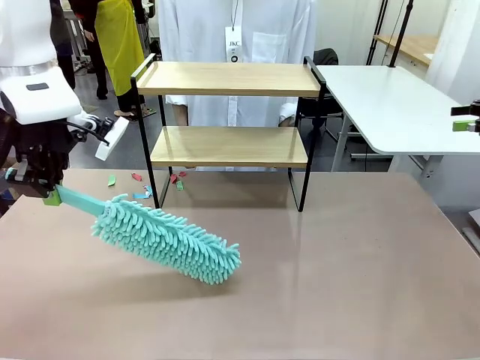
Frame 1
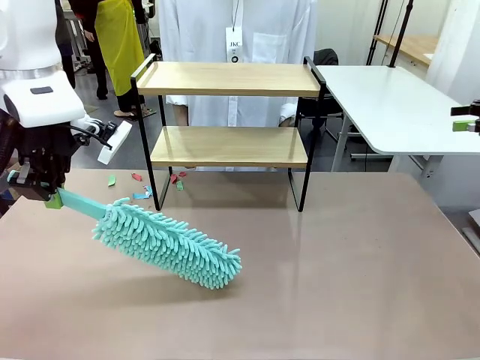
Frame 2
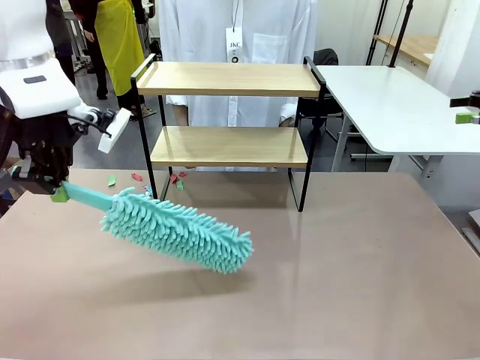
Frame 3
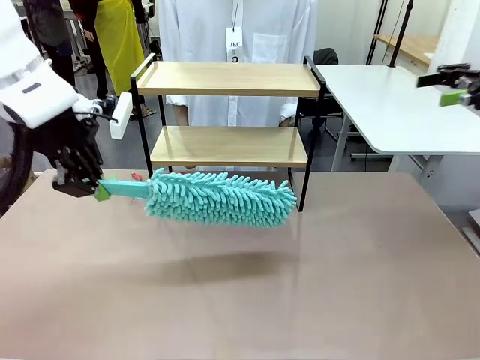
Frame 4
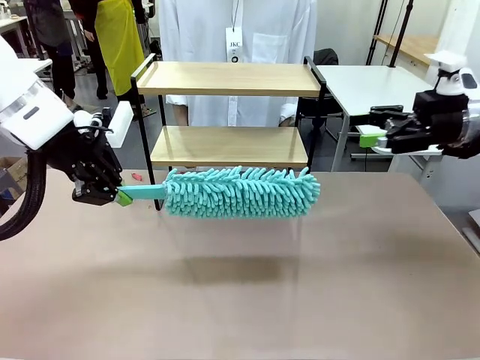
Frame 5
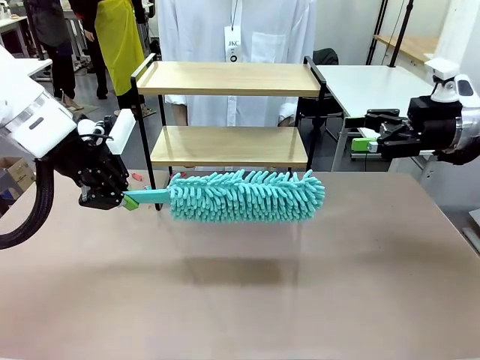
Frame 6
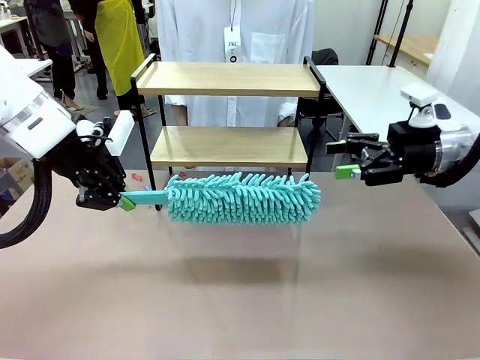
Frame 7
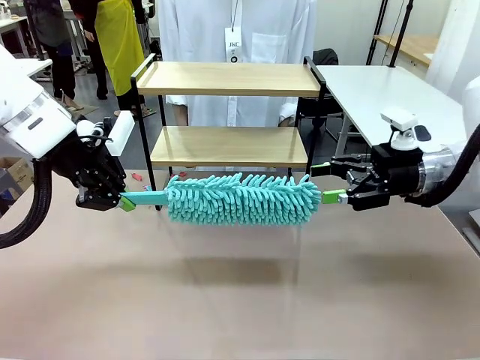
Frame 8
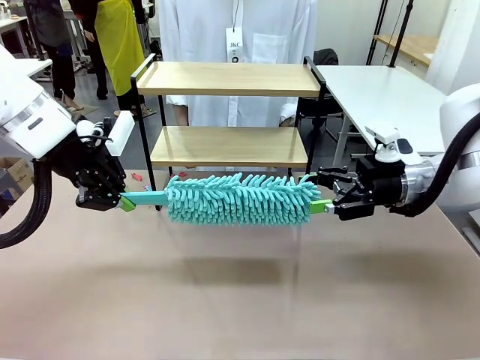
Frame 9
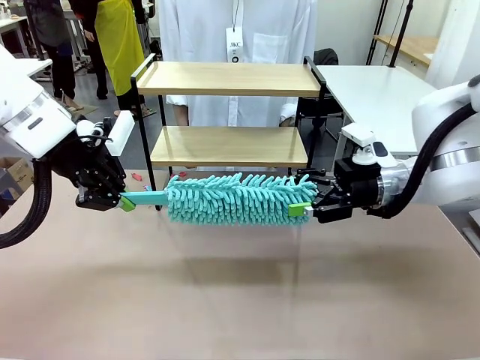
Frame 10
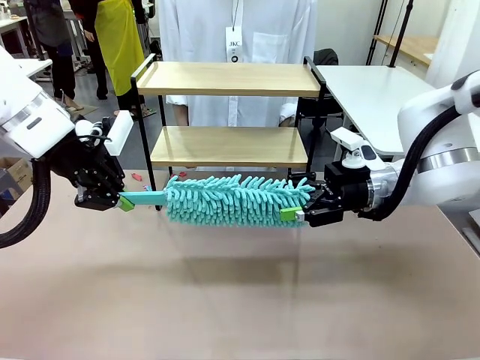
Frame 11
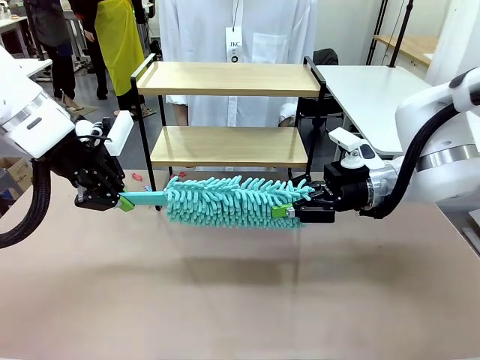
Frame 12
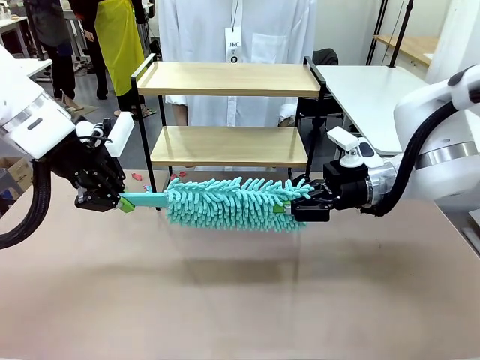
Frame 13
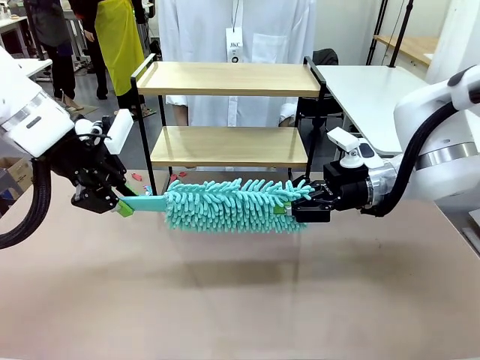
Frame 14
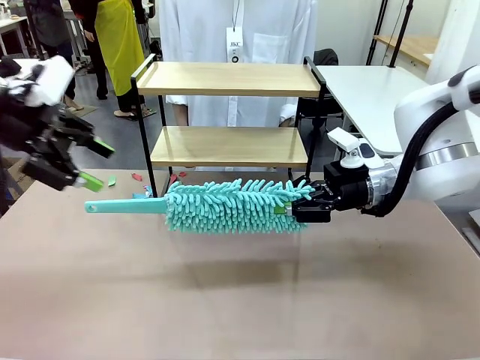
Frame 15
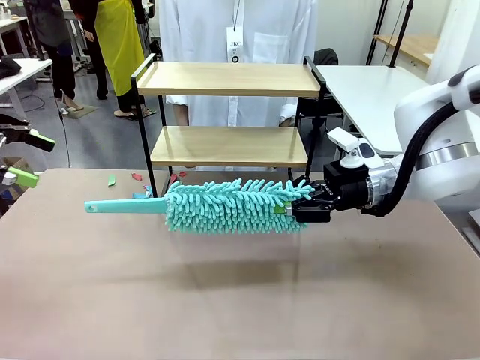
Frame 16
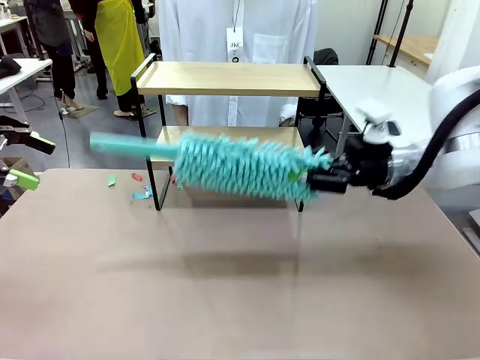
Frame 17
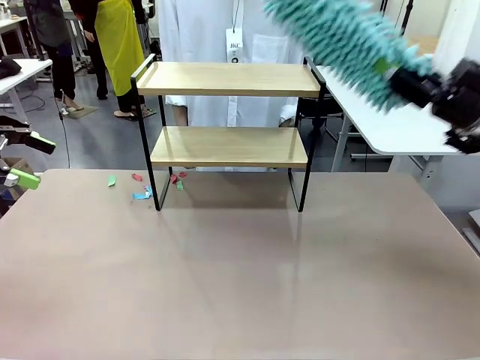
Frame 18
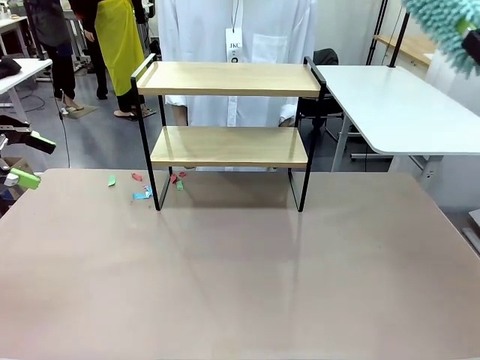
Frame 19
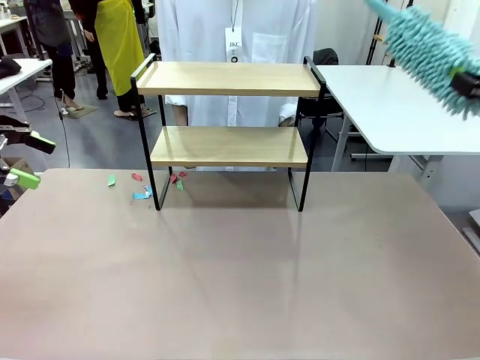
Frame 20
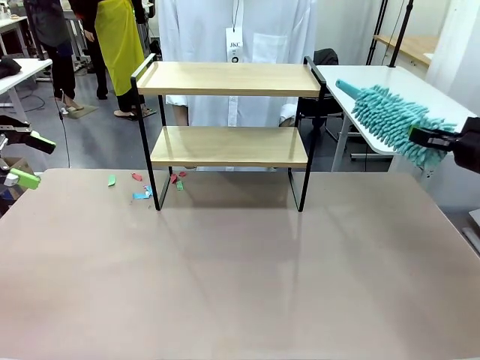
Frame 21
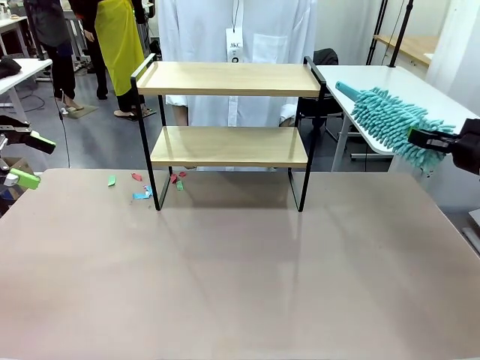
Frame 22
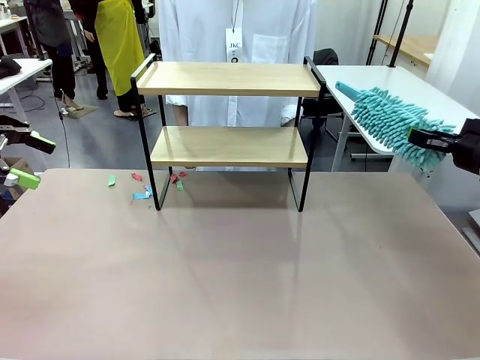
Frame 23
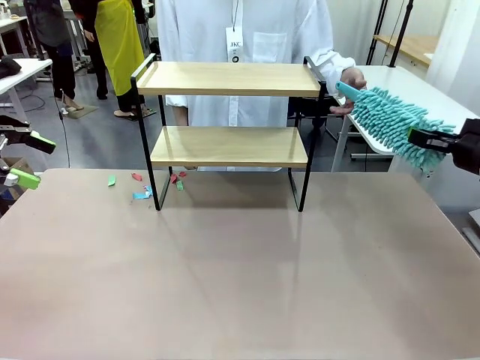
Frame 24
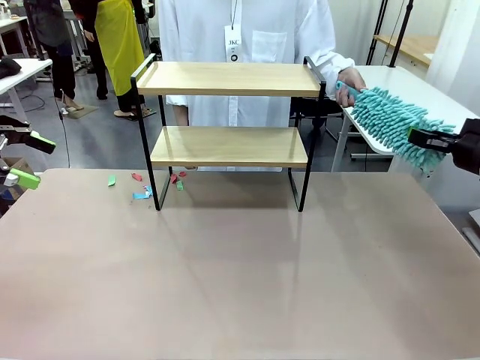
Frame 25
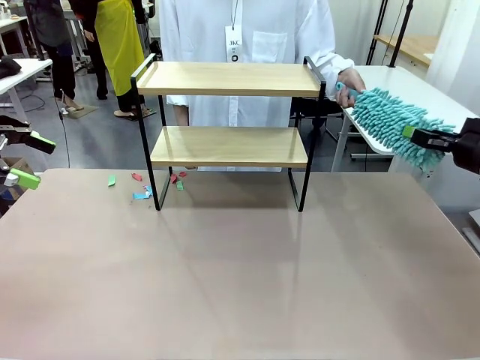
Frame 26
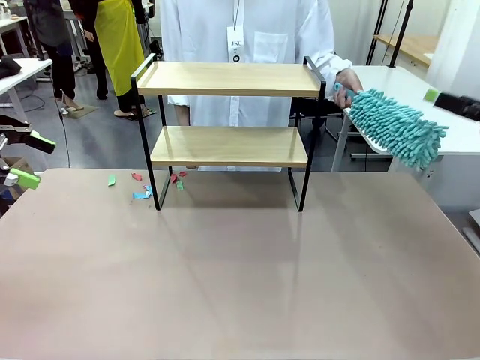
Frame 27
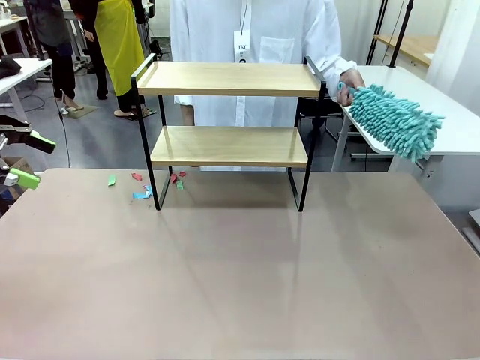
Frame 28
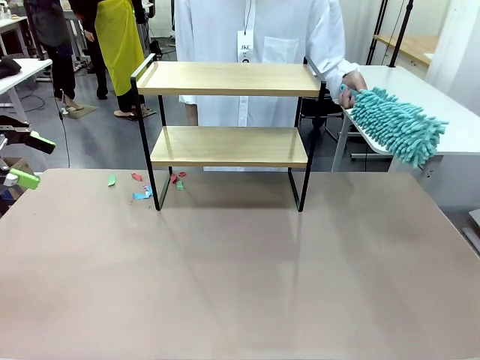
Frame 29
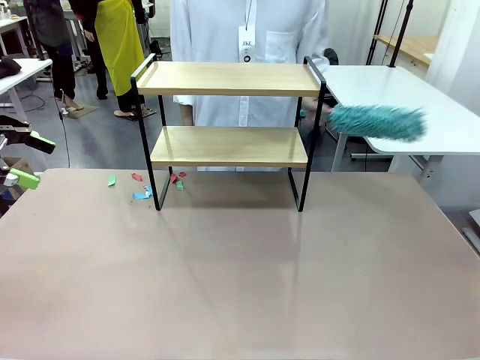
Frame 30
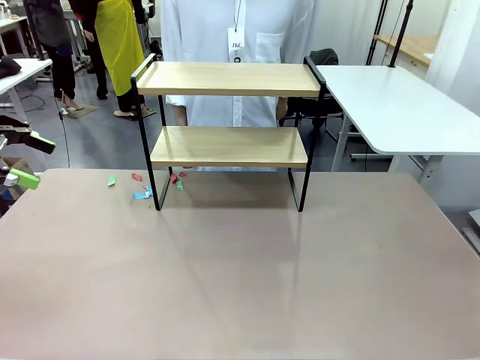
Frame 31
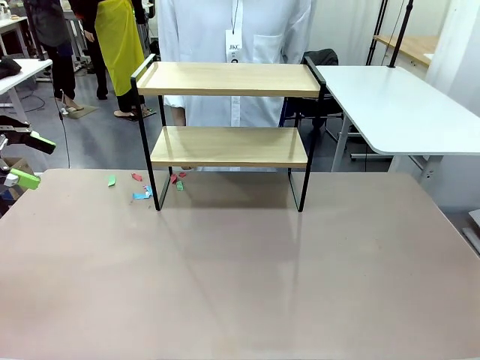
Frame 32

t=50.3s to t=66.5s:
Task: Clean the shelf.
Robot: Hand the Duster back to the human.
Person: Receive the Duster from the robot.

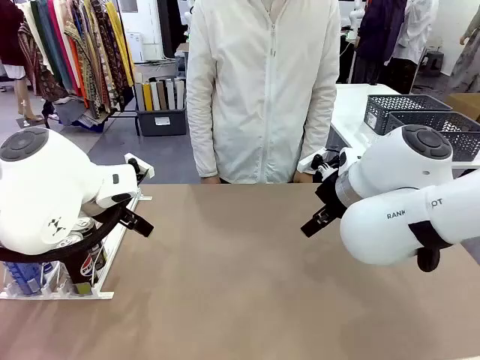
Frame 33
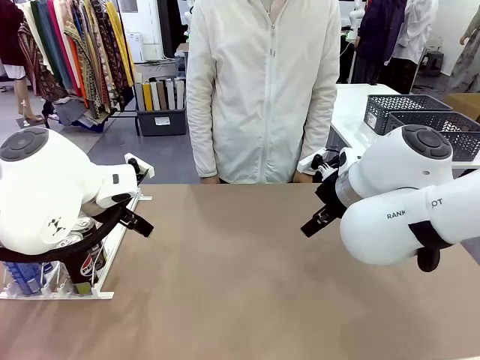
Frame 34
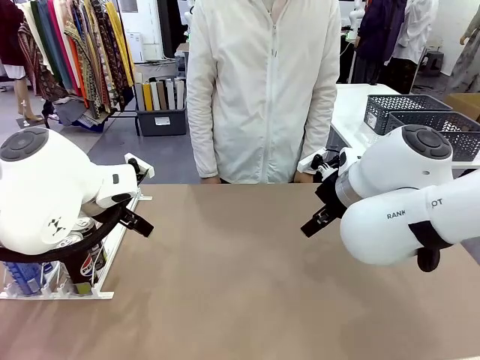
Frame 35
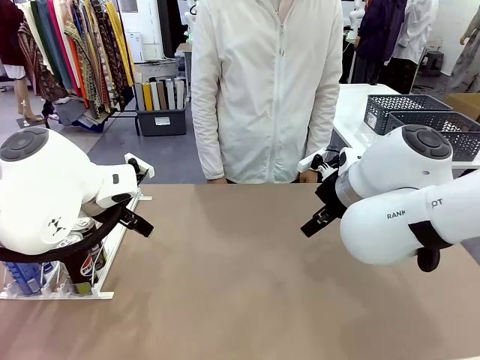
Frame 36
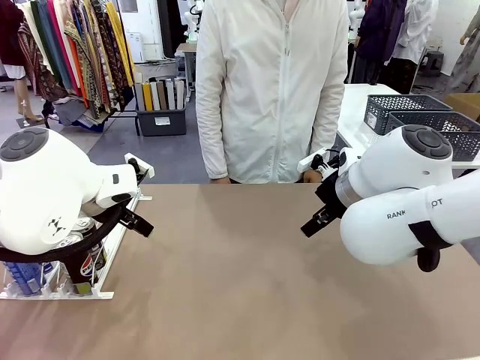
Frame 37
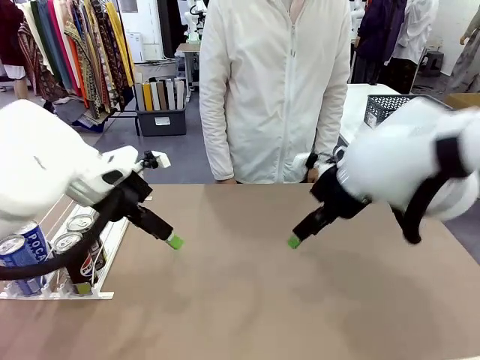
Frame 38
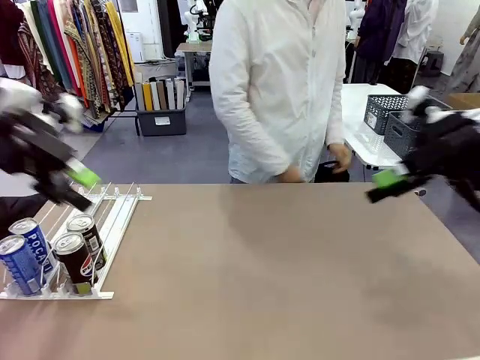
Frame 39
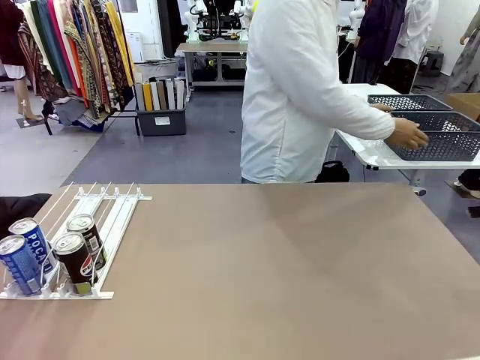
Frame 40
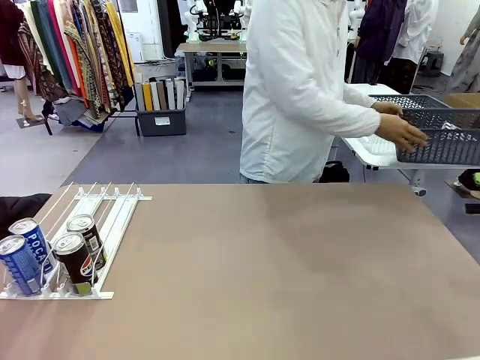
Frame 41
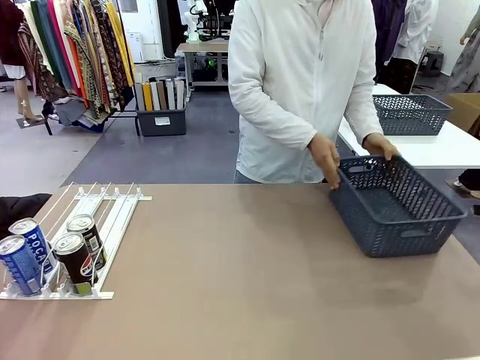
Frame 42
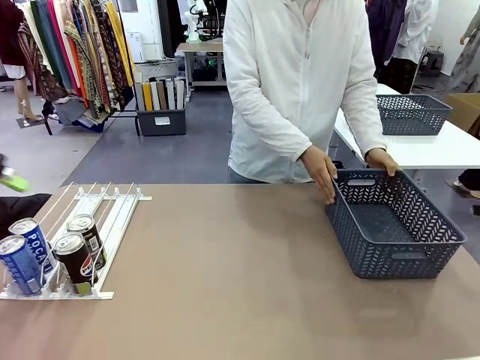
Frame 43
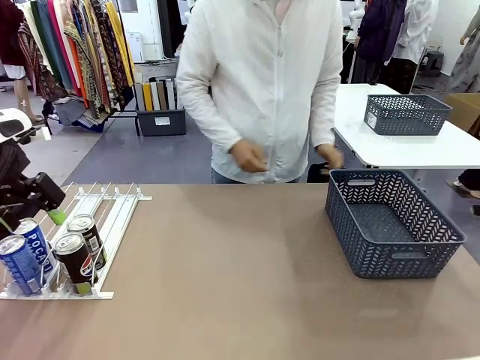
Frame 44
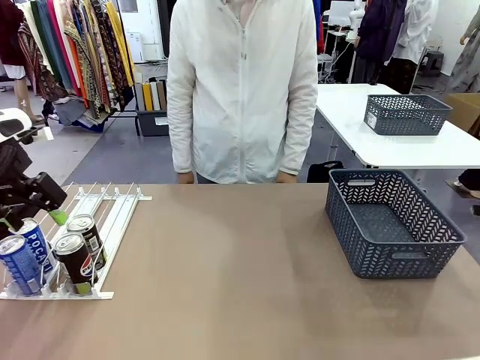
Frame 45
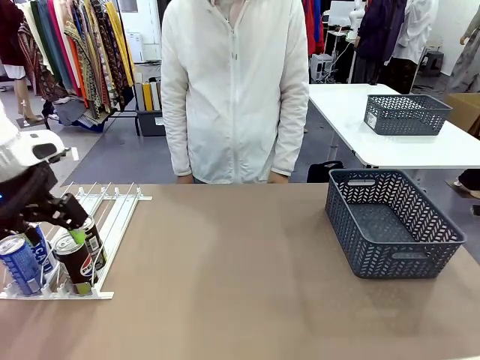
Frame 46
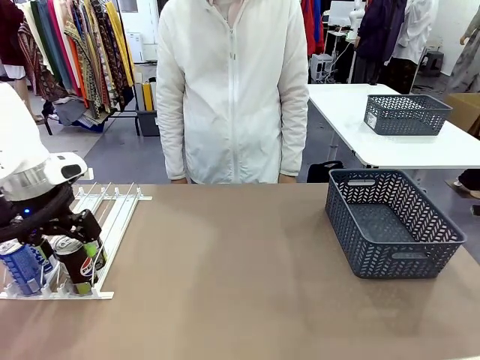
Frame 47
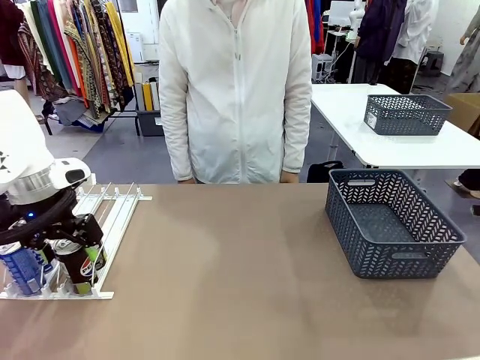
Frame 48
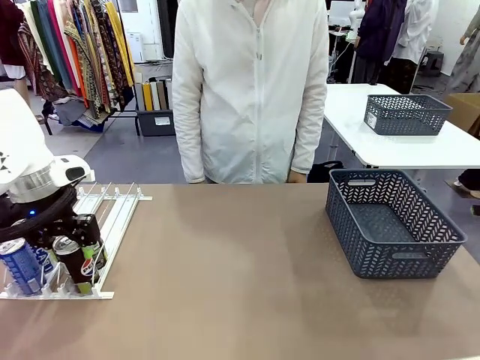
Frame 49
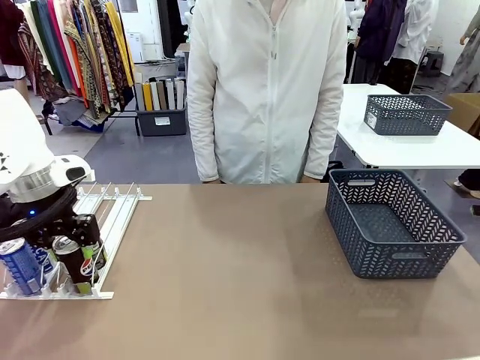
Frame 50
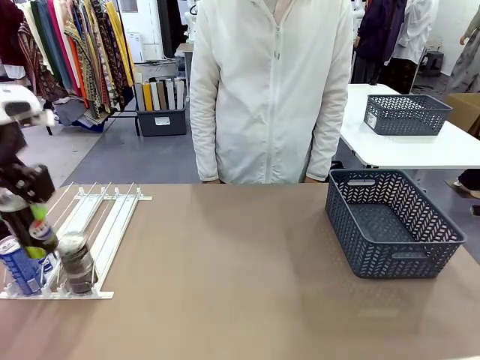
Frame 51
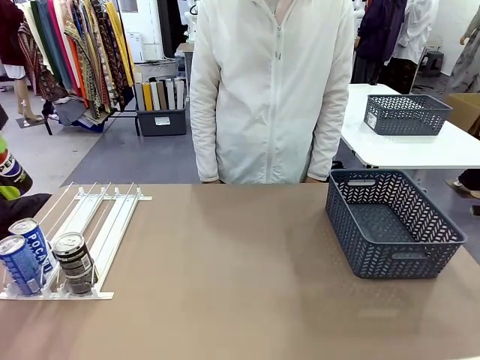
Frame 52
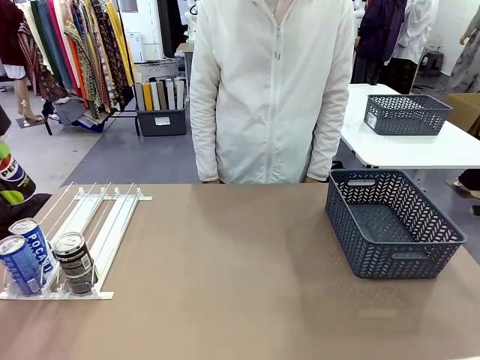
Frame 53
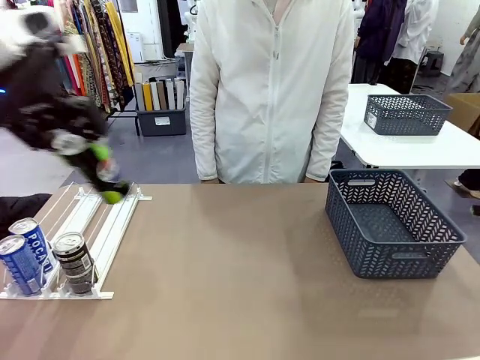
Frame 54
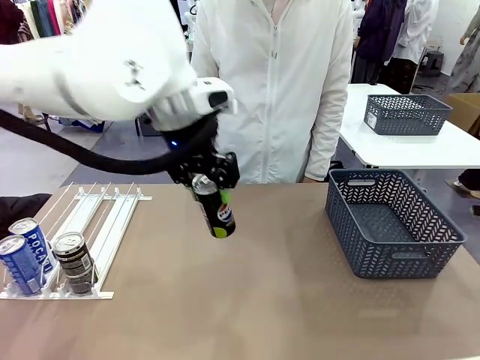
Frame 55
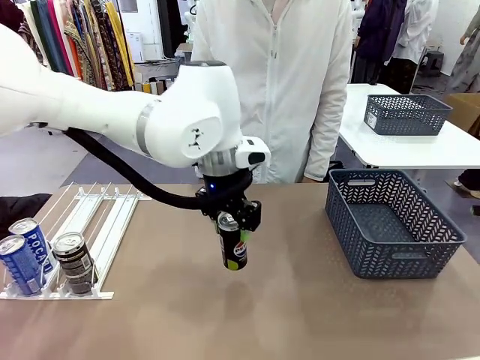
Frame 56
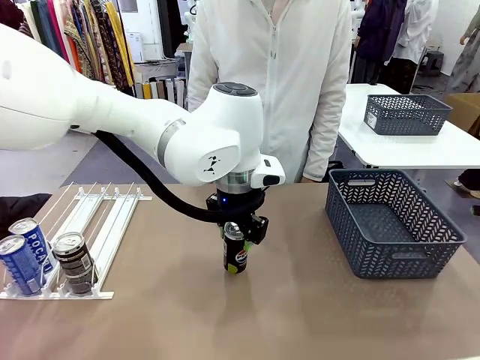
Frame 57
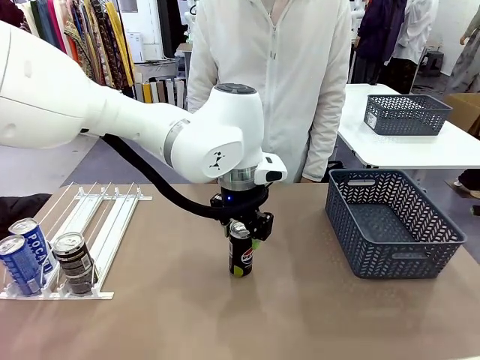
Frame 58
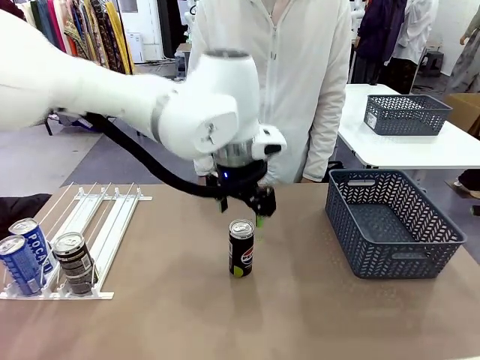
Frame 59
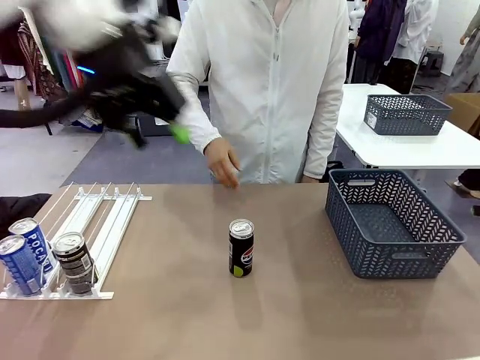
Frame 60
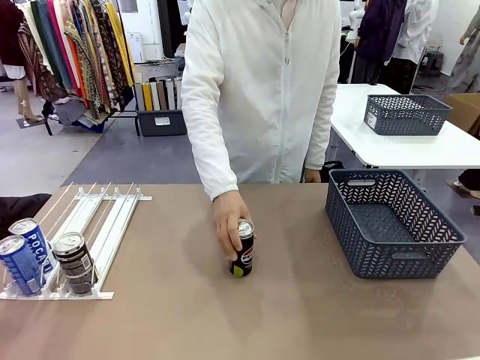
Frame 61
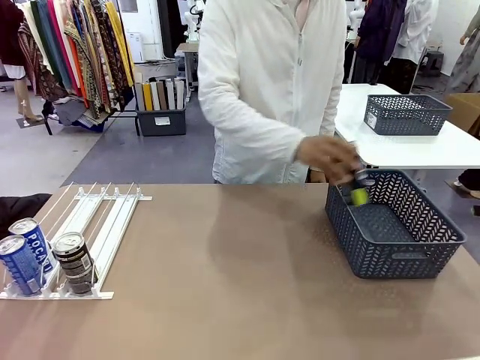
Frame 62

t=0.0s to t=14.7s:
Task: Retrieve and store the cans from the dispenser.
Robot: Pick up one can from the Automatic Can Dispenser and place it in the middle of the table.
Person: Pick up the basket and place it on the left side of the robot table.
